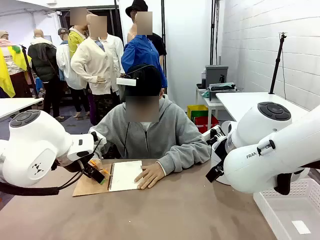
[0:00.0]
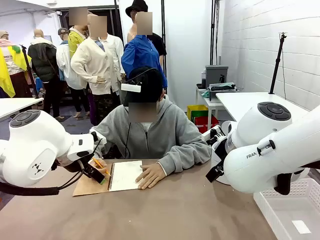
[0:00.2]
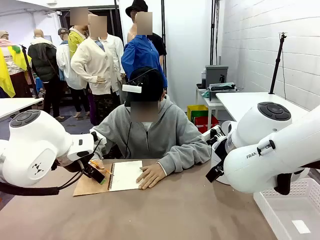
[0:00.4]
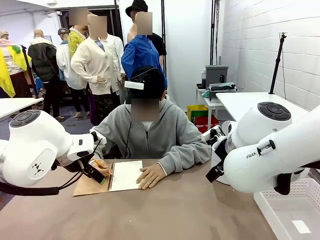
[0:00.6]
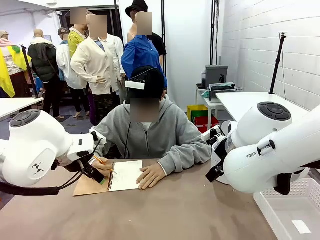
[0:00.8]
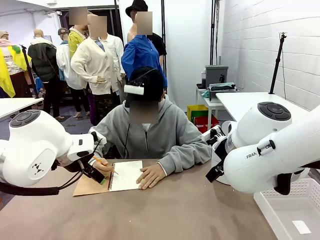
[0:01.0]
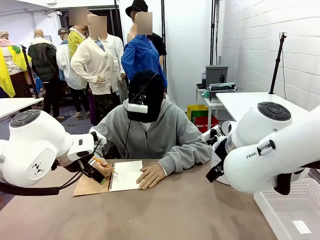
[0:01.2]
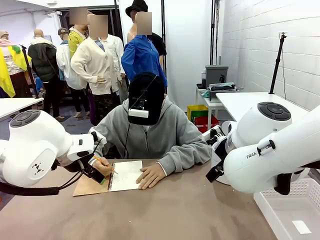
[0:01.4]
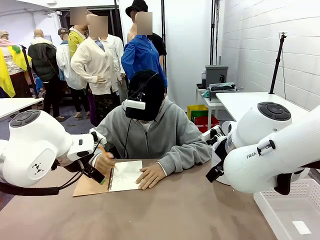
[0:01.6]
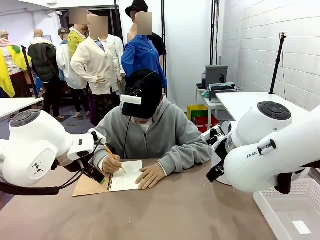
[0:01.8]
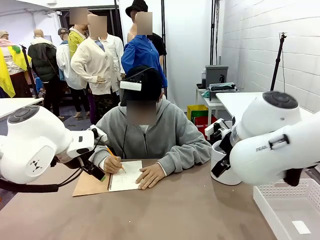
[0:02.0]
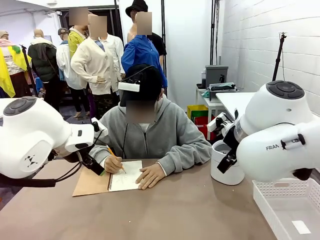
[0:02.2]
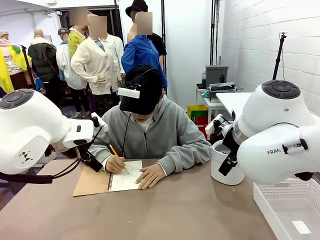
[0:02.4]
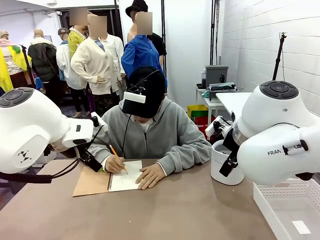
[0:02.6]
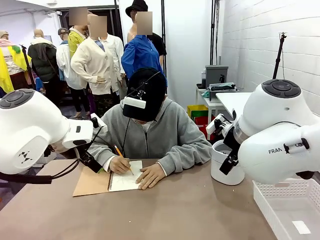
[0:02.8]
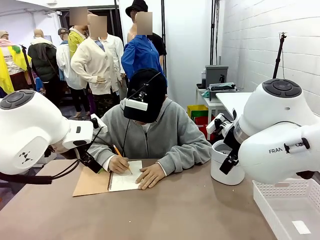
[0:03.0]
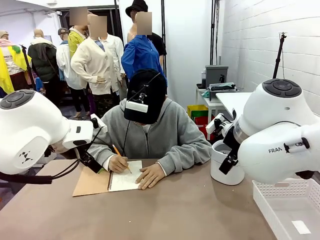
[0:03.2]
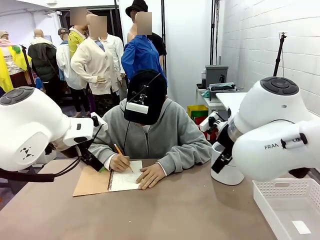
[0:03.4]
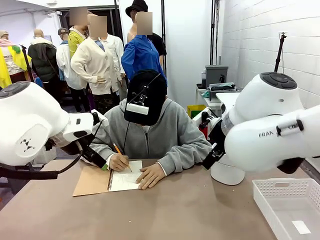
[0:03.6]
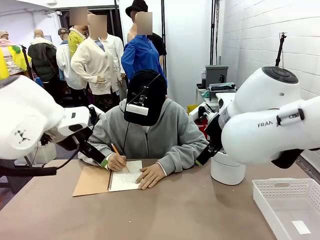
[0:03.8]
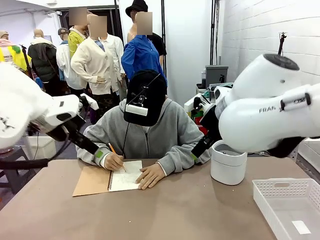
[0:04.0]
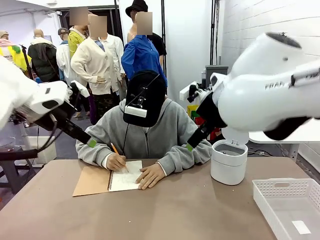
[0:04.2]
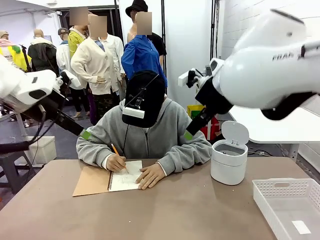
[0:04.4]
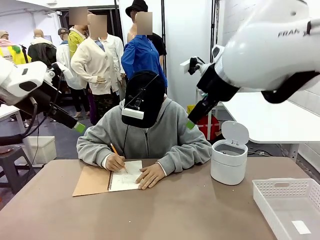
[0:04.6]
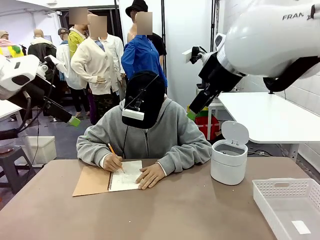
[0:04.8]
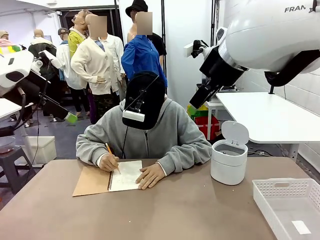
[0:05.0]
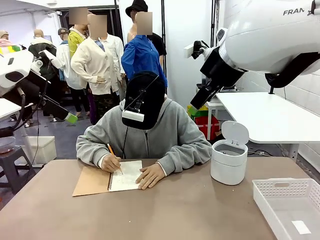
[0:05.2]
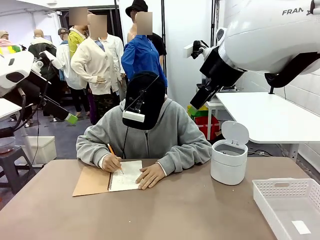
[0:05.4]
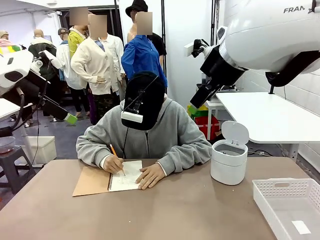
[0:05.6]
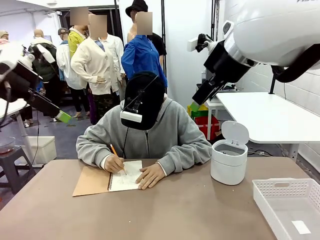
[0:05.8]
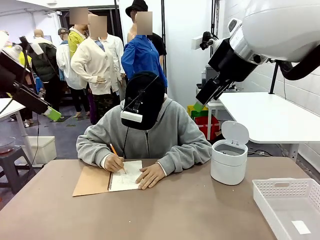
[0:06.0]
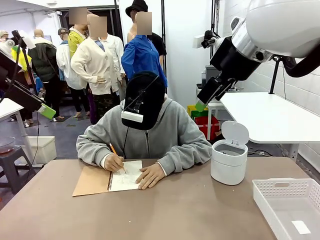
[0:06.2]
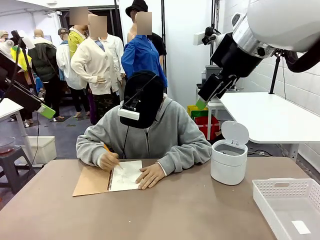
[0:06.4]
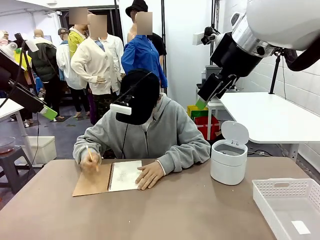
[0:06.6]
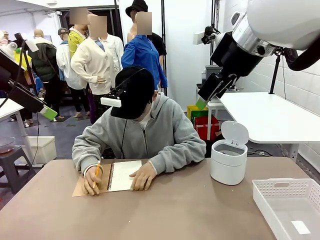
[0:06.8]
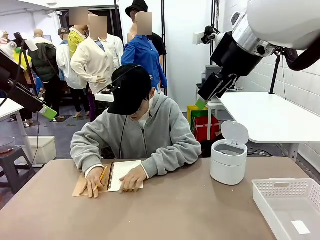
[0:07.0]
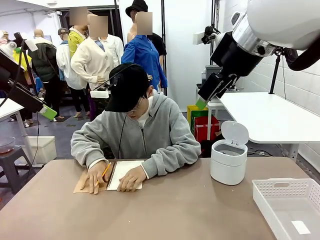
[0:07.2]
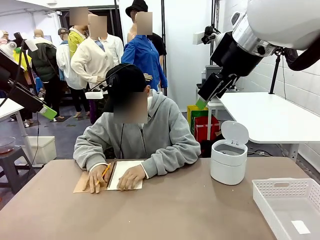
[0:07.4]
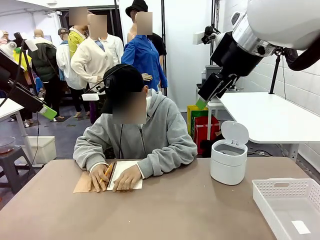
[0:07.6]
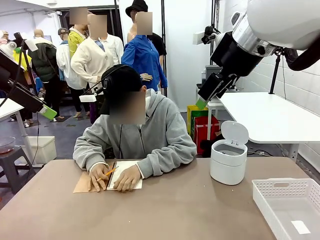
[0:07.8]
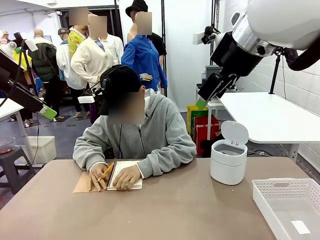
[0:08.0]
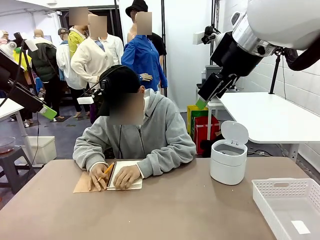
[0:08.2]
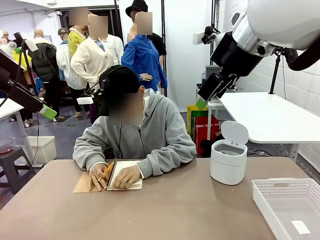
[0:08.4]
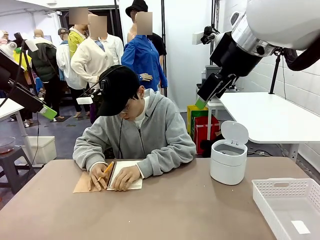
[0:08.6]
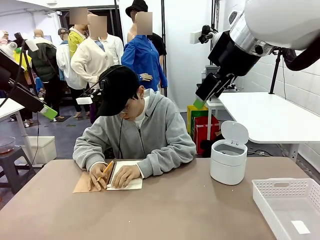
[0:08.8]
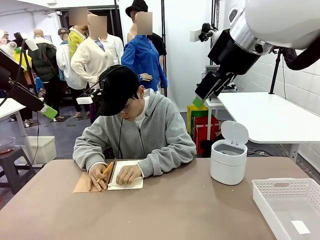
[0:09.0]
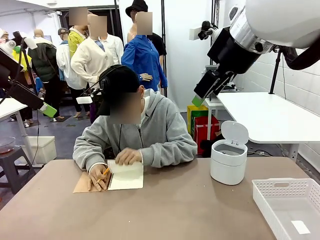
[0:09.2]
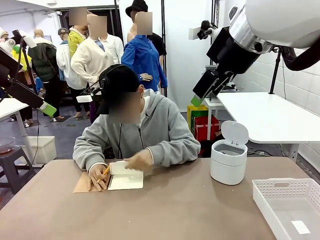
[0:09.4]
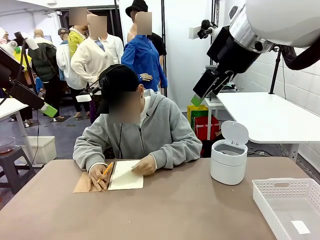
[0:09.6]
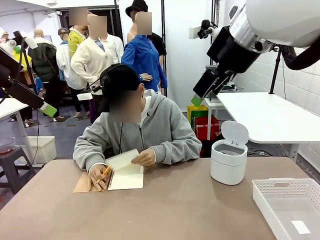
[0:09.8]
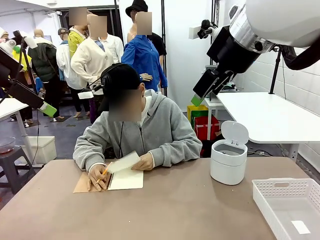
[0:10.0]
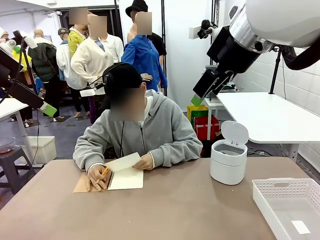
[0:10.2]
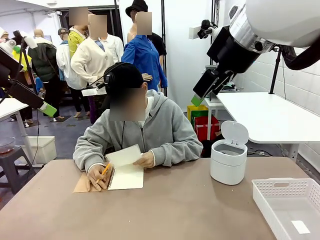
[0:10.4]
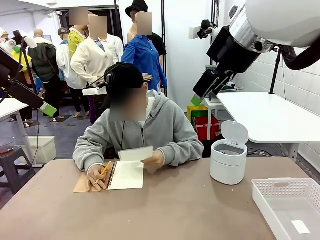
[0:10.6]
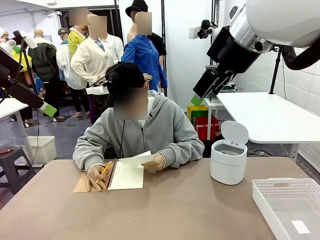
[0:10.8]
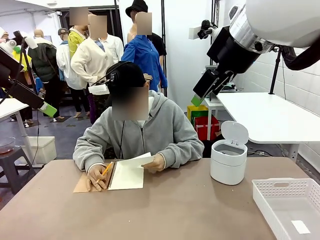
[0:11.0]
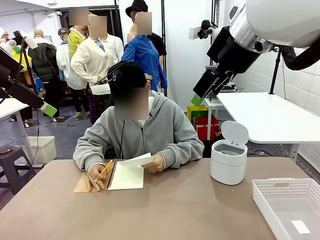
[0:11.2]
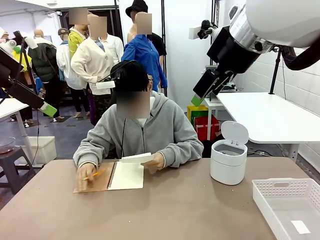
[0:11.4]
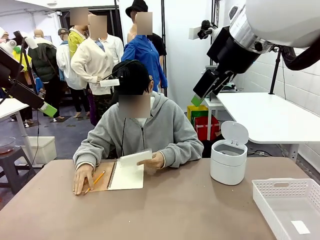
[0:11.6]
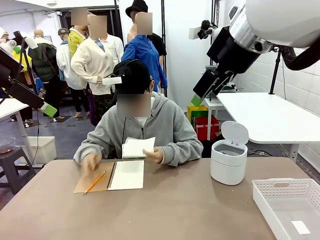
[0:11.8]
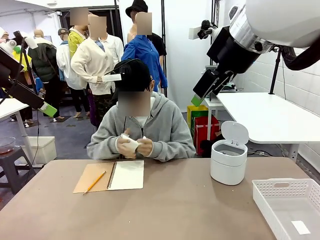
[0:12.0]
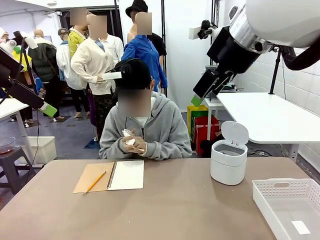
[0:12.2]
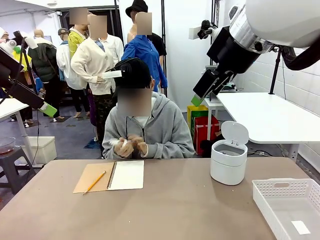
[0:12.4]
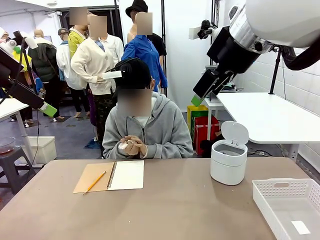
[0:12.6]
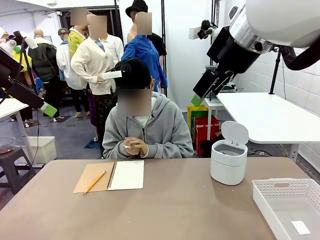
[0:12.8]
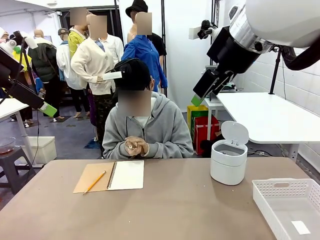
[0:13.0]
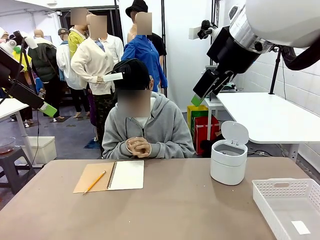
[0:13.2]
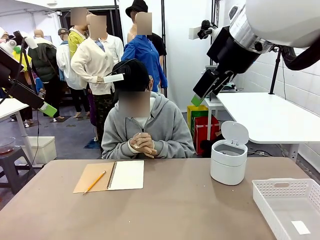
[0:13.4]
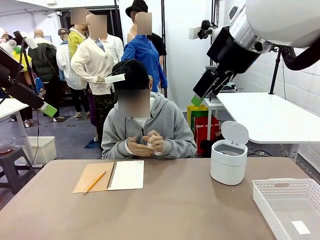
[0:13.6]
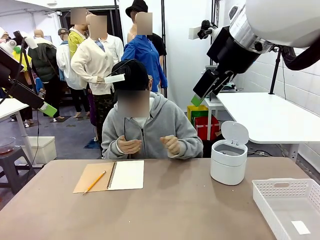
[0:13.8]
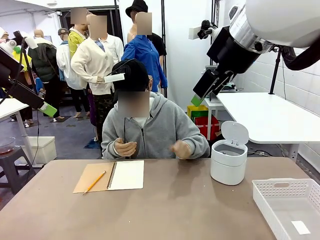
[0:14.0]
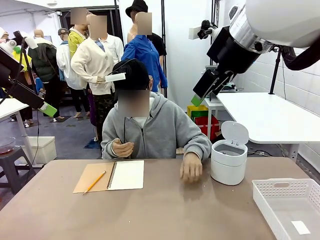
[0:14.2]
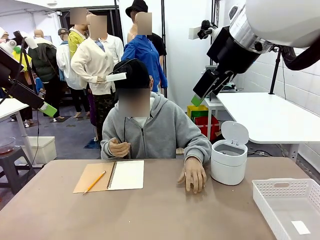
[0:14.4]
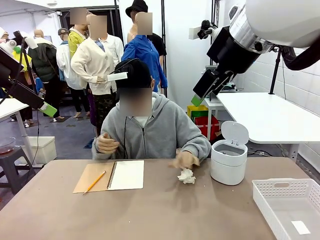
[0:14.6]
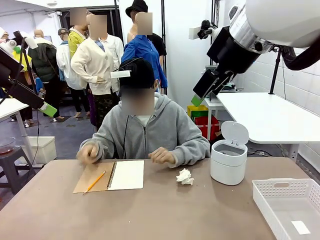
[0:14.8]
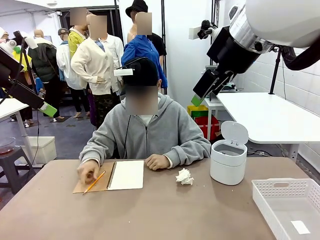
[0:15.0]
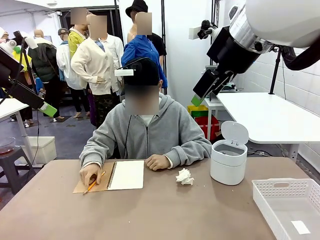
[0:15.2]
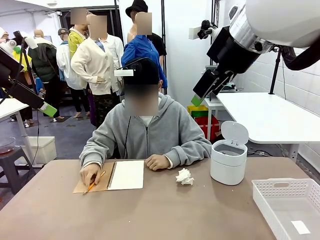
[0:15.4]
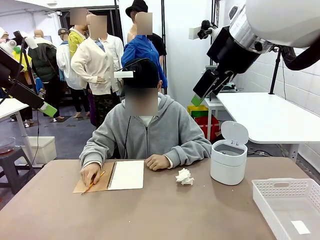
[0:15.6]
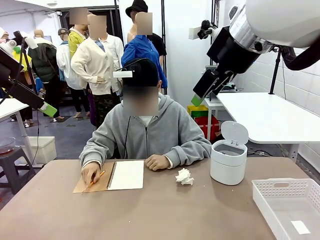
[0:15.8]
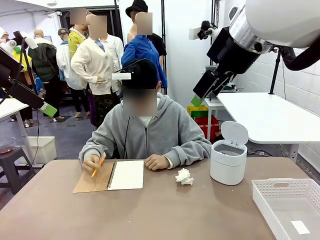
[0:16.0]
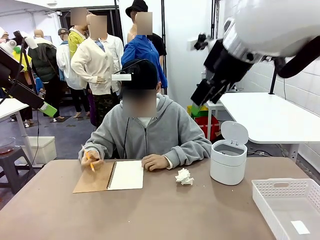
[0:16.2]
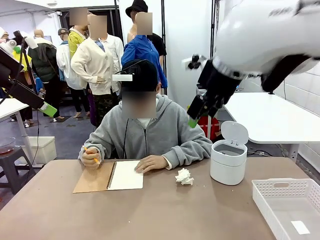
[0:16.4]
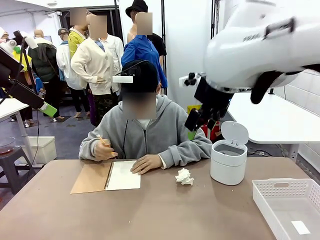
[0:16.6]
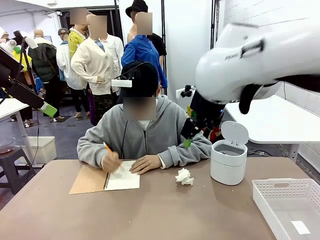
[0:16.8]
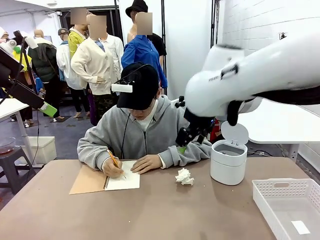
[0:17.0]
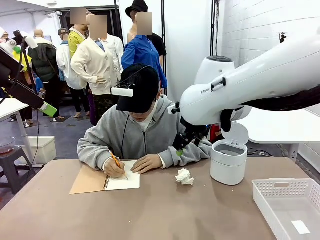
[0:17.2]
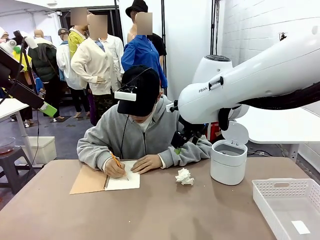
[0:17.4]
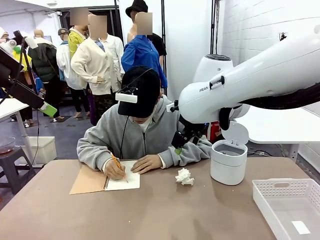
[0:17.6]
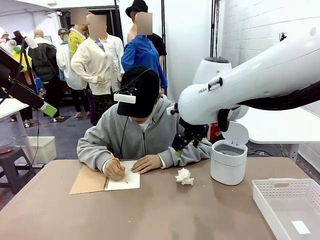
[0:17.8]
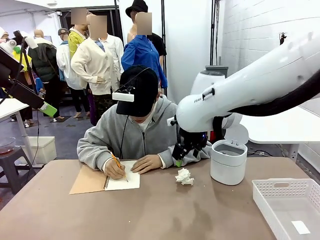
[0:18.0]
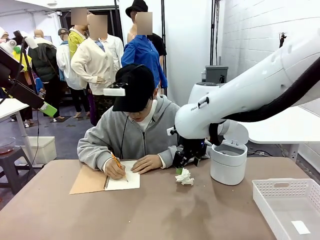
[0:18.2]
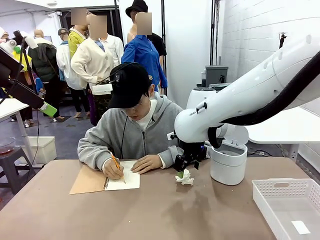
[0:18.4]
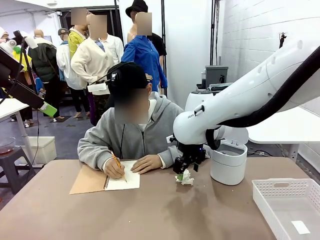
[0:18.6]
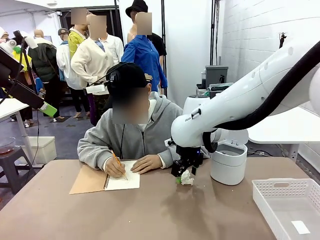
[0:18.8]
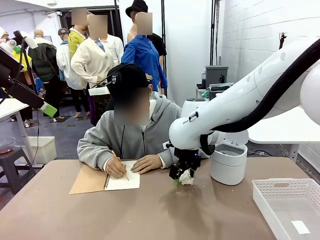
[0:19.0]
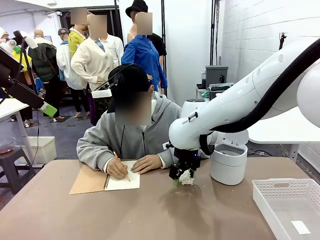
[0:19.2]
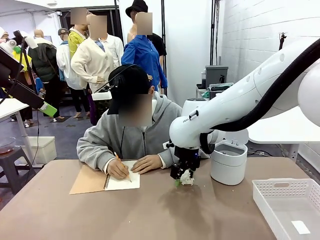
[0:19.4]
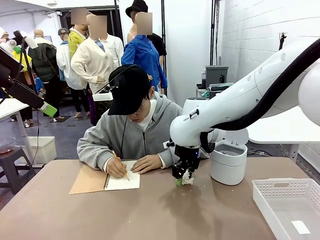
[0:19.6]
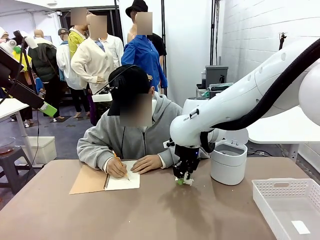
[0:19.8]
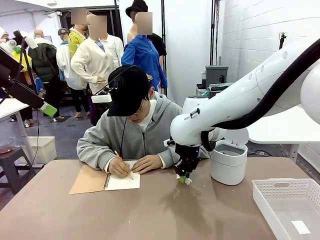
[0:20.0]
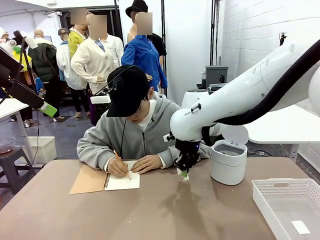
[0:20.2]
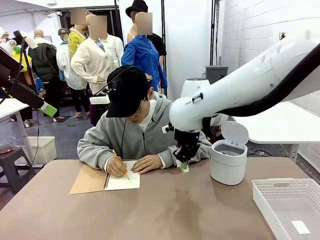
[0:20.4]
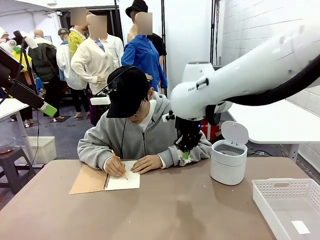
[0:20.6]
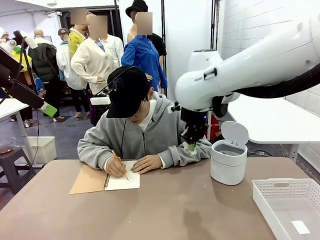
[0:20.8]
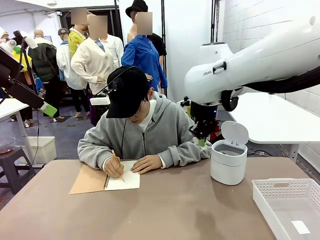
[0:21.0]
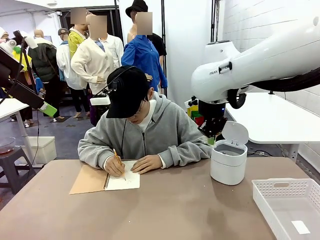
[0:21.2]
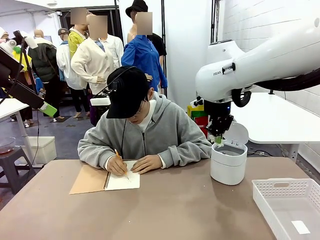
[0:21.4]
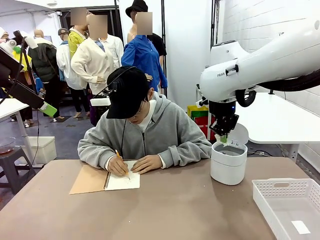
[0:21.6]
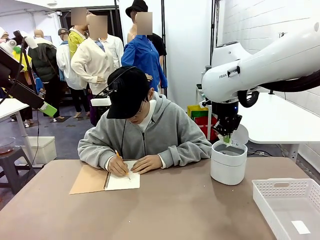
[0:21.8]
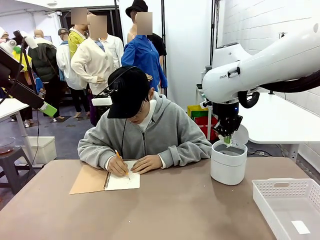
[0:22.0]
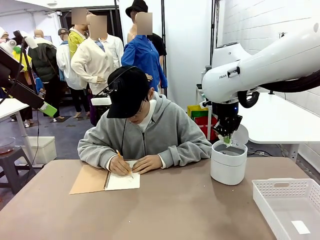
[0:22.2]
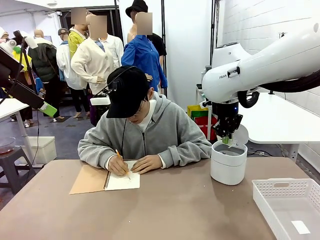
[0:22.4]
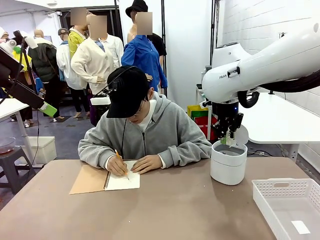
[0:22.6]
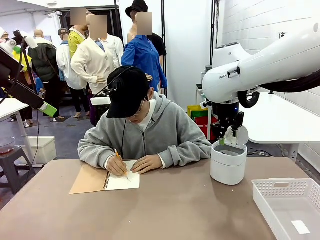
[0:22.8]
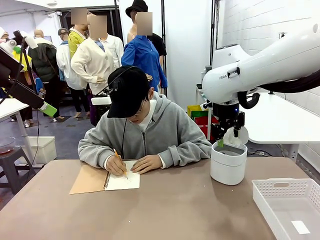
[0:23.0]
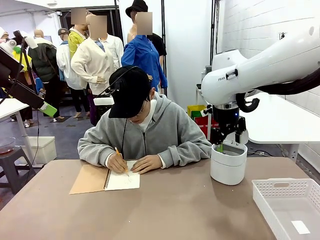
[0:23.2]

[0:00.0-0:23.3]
Task: Sort the paper based on its condition.
Robot: If a person hands you a paper, place it in the Organizing basket , and if it's crumpled, put it in the Trash can.
Person: Tear out a page from the spiral notebook. Hand the torn page to the robot or crumple it and throw it to the center of the table. Tear out a page from the spiral notebook.
